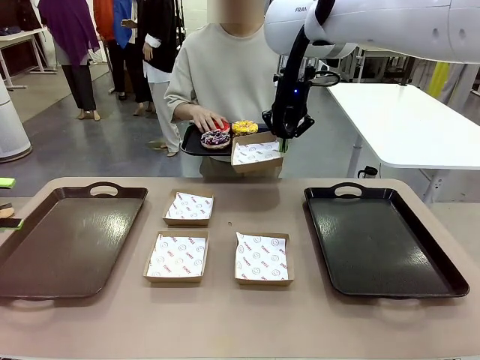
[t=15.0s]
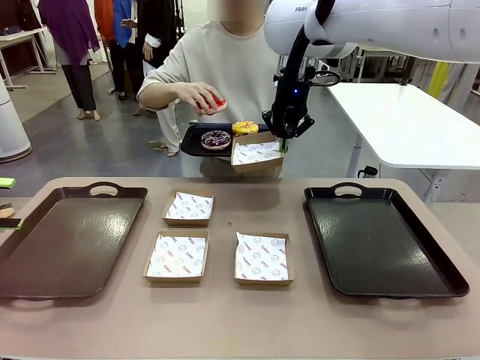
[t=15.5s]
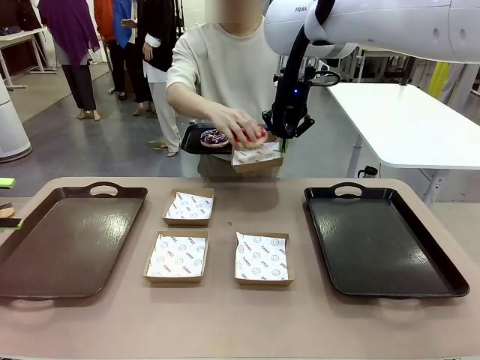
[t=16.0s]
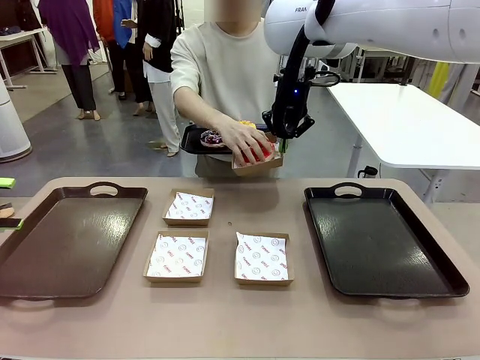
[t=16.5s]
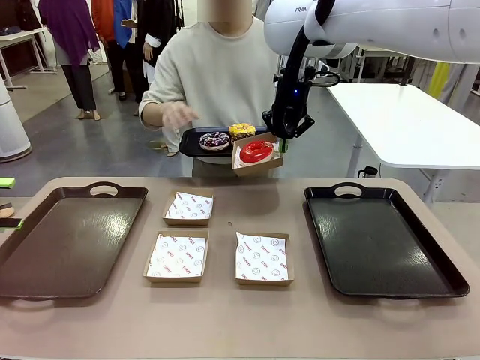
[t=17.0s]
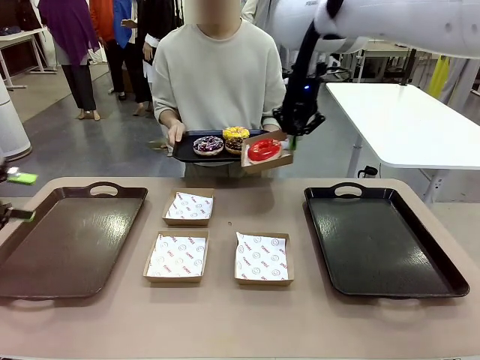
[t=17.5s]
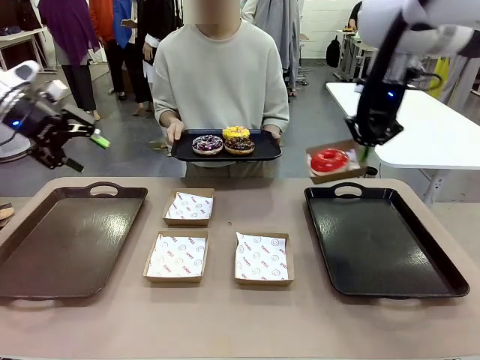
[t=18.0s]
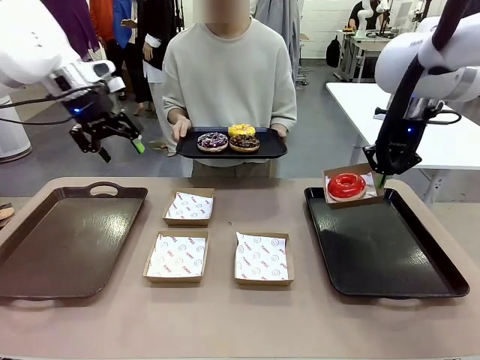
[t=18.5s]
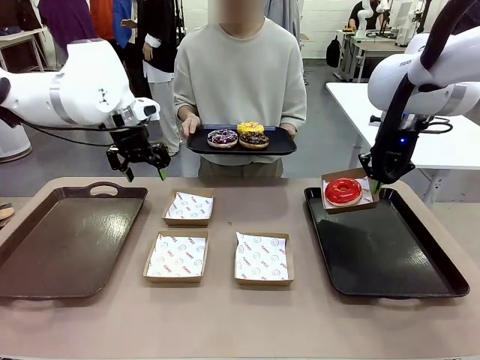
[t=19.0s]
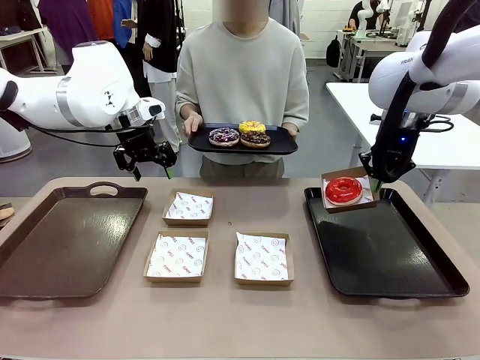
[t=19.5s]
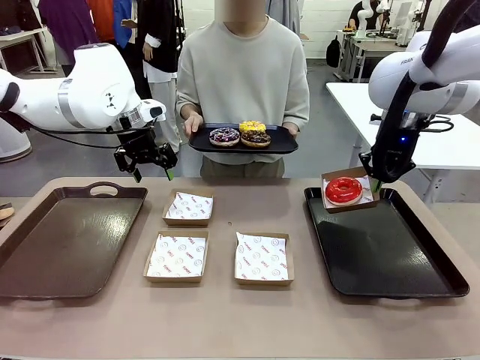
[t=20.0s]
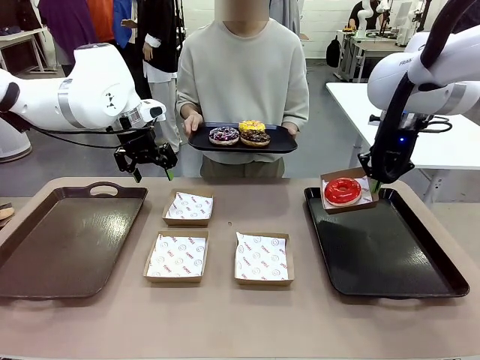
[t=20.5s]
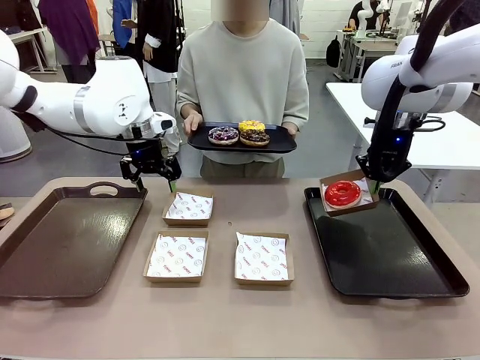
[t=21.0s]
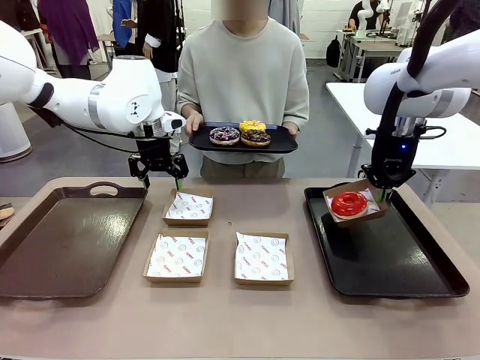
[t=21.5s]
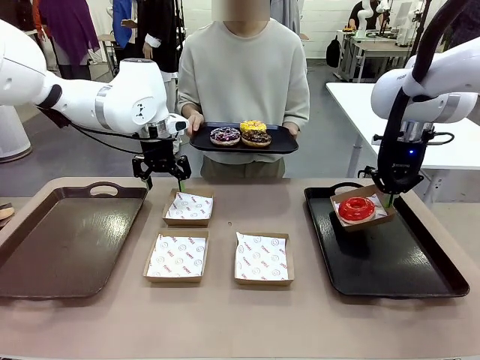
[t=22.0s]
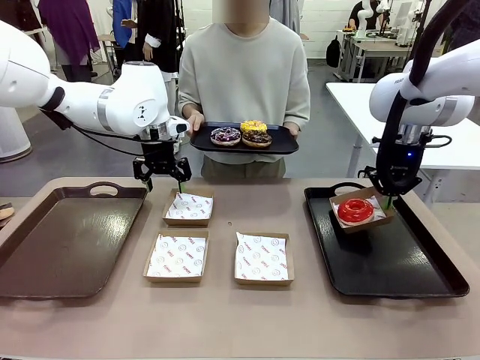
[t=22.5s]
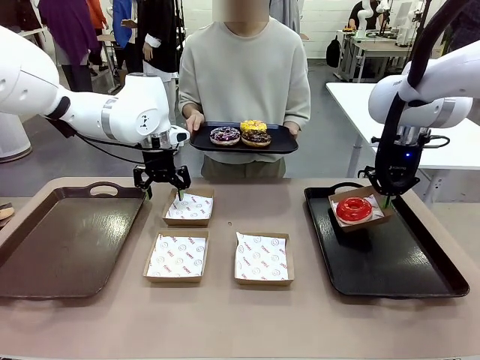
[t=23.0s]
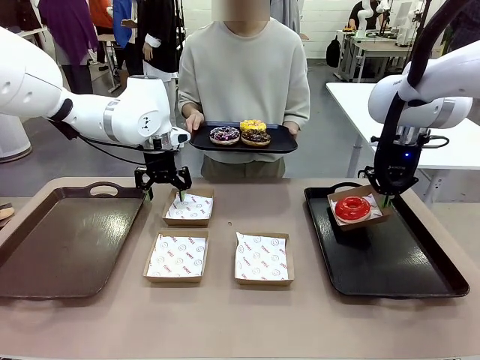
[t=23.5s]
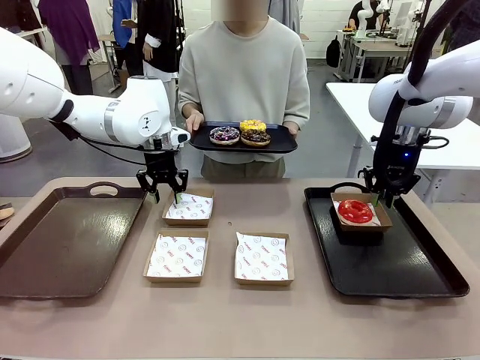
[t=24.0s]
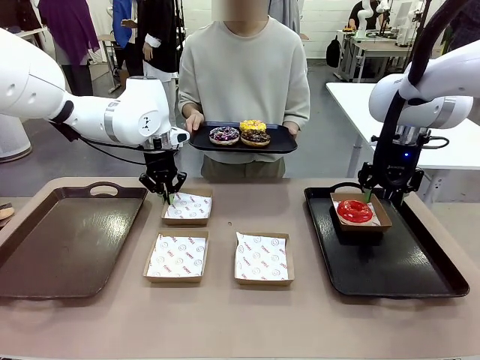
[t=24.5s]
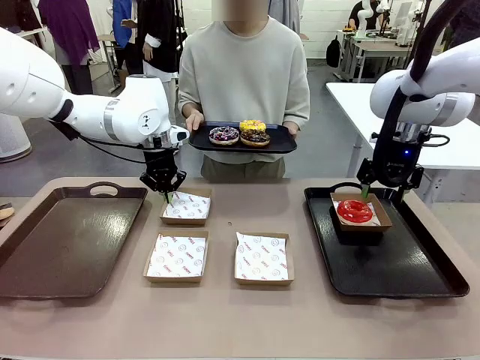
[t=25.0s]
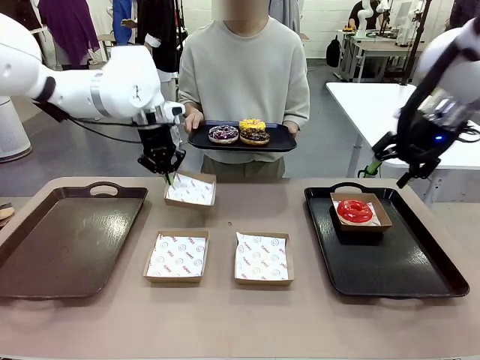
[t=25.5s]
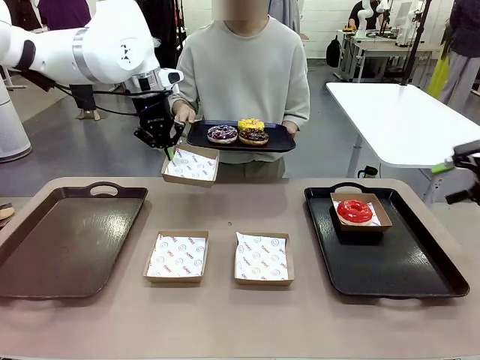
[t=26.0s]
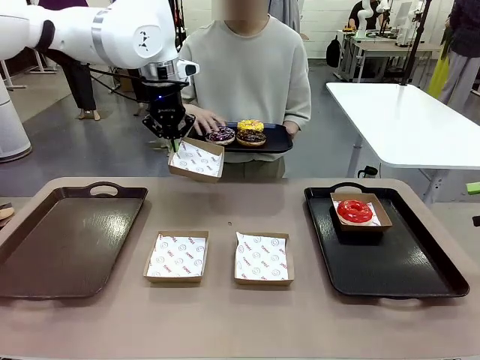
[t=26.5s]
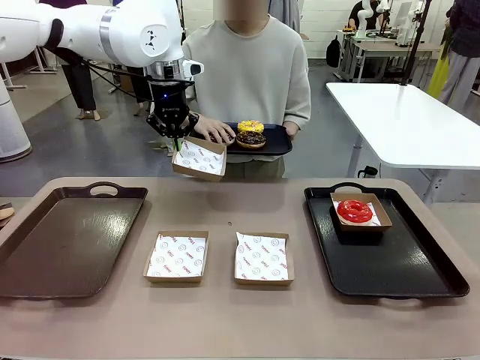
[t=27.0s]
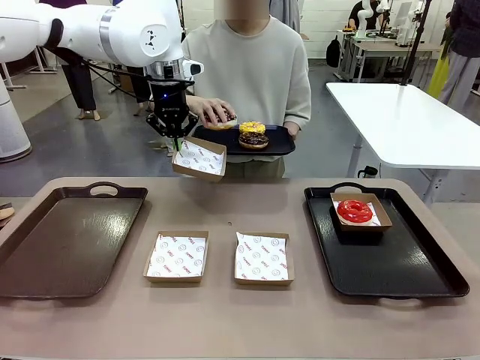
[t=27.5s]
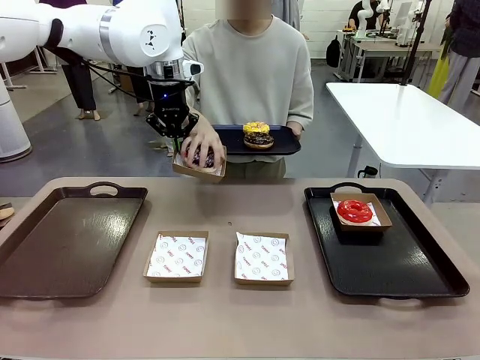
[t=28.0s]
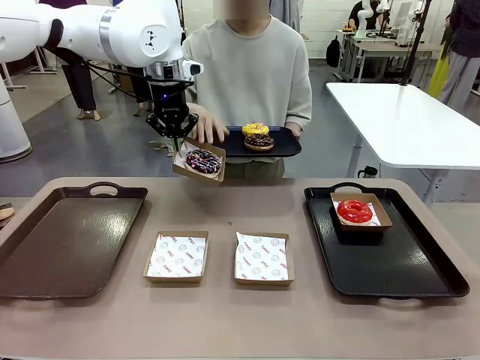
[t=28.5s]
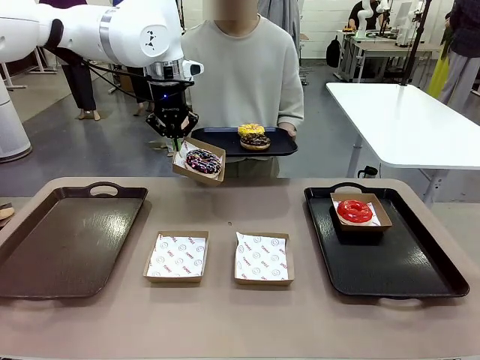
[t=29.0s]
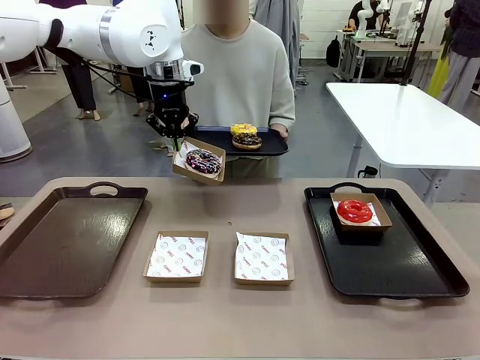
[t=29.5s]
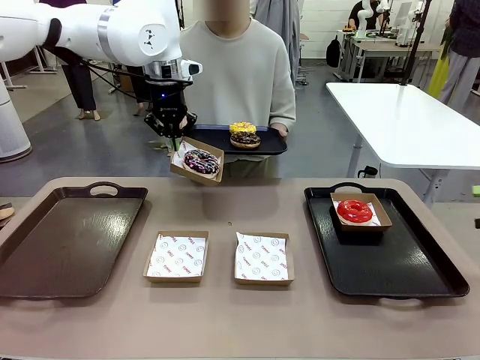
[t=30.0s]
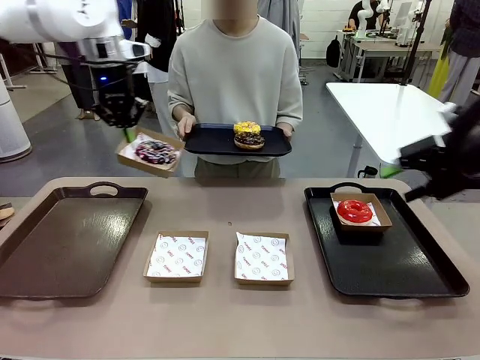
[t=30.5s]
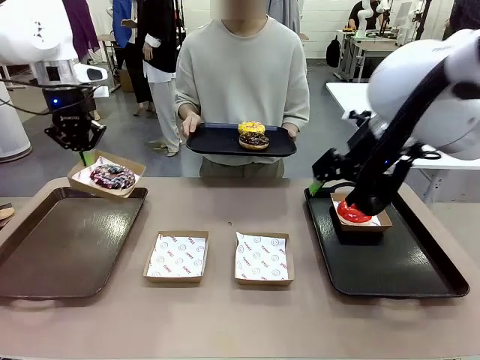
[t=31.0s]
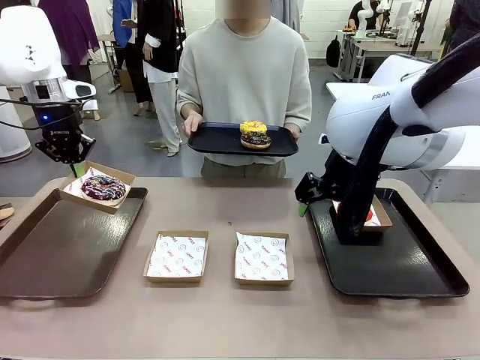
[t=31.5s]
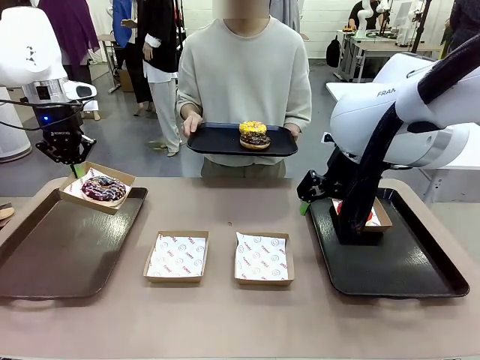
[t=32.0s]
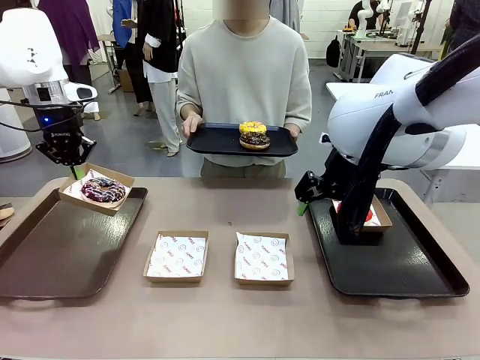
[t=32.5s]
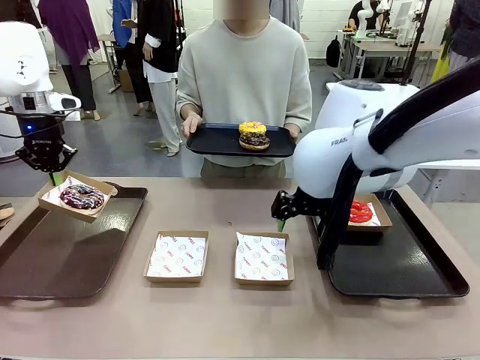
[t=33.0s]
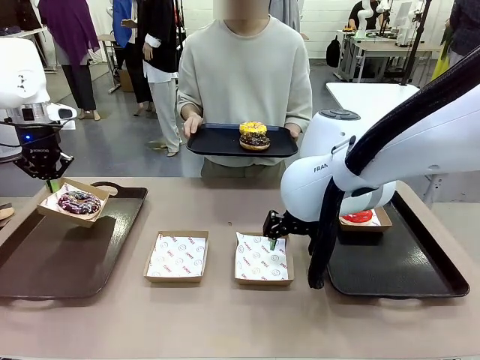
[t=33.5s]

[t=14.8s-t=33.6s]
Task: Individually package the donuts and arrange them on the tray.
Robot: Place the picked Paper togo box on the Handle tray while simultaneously picking up another Paper togo box from the table with the other hand.

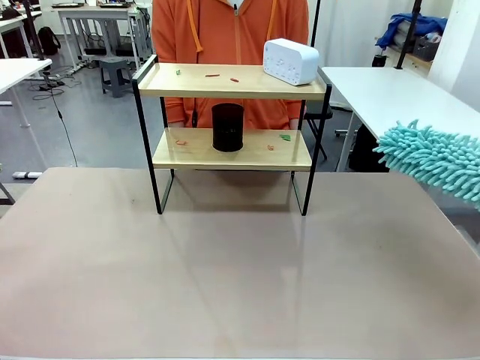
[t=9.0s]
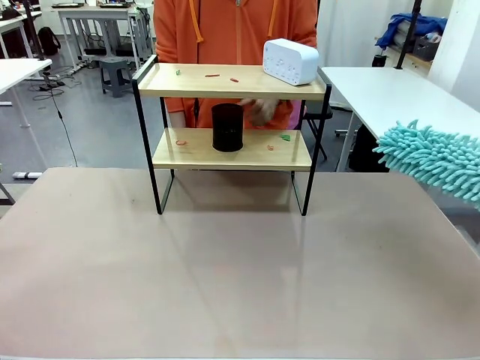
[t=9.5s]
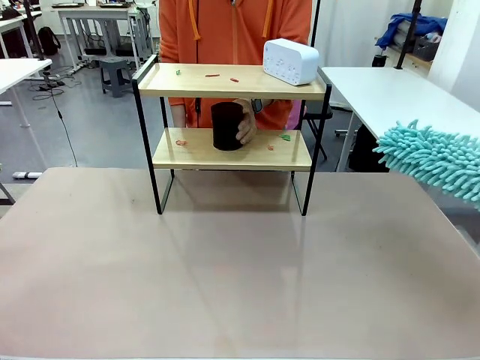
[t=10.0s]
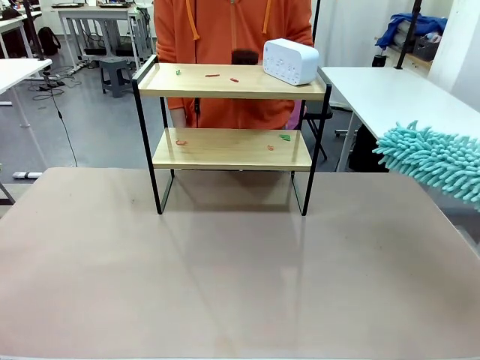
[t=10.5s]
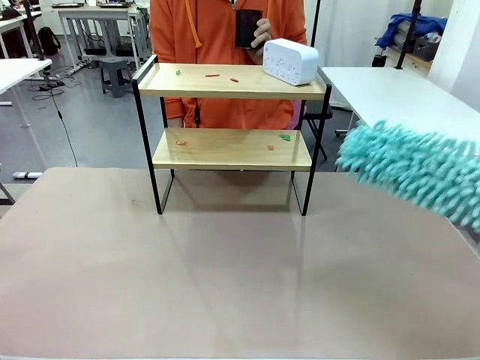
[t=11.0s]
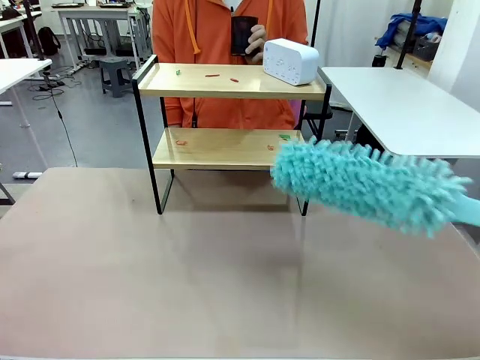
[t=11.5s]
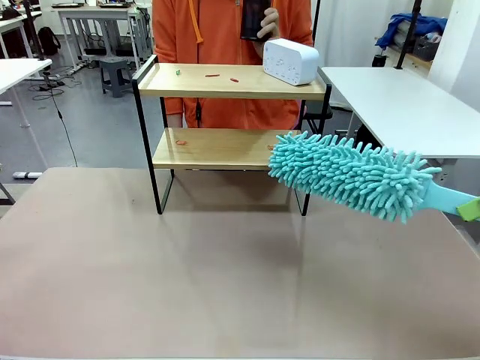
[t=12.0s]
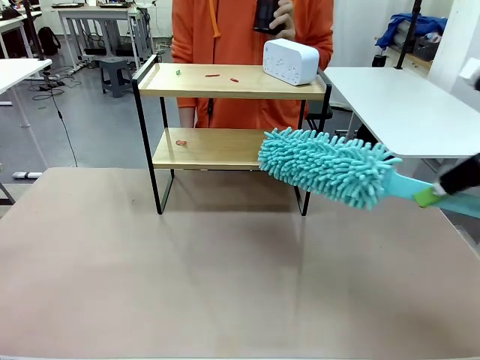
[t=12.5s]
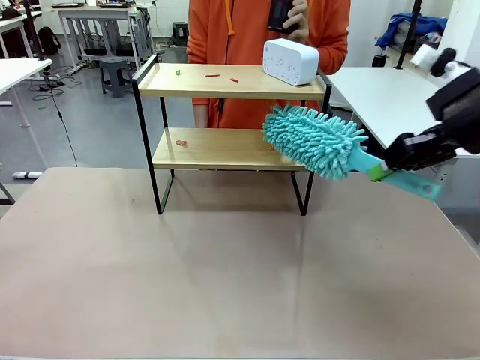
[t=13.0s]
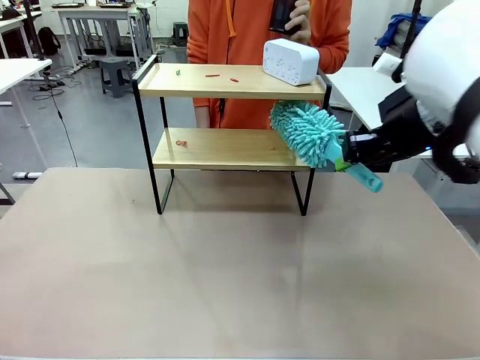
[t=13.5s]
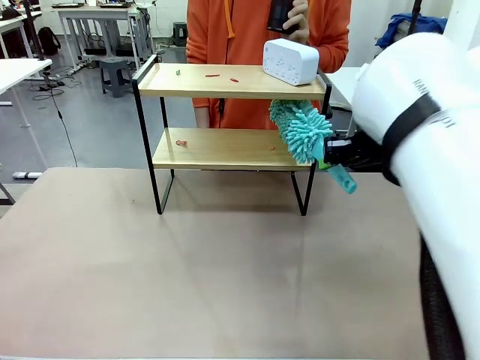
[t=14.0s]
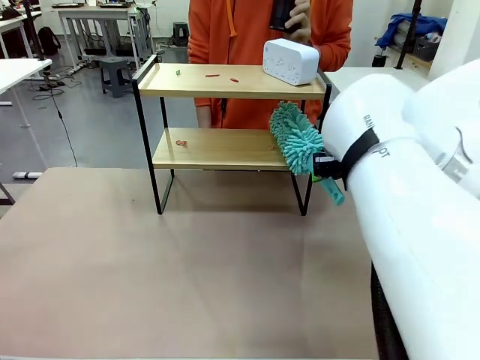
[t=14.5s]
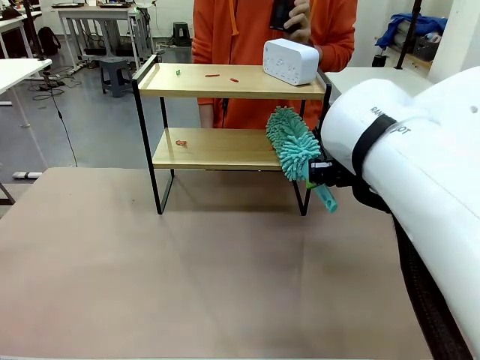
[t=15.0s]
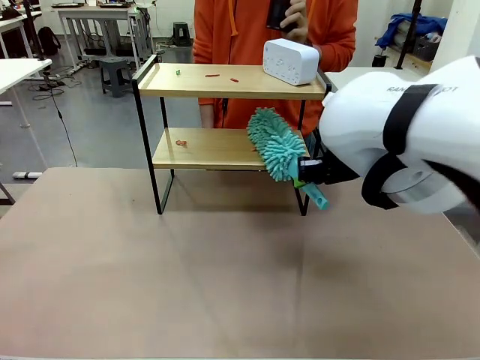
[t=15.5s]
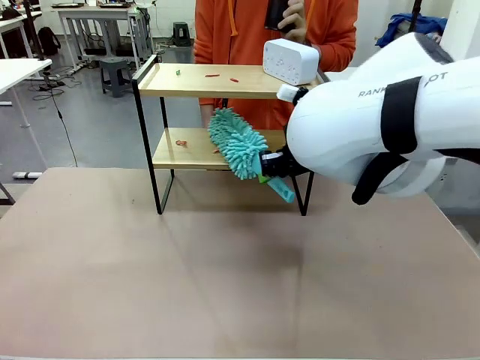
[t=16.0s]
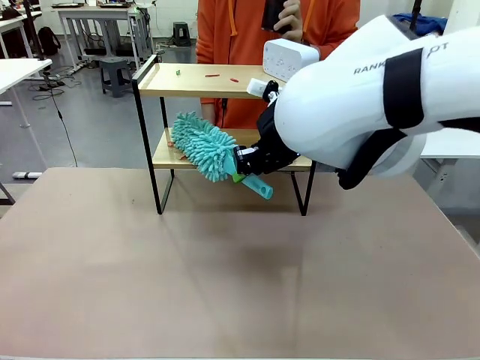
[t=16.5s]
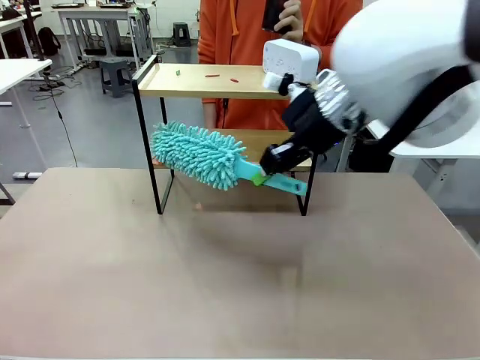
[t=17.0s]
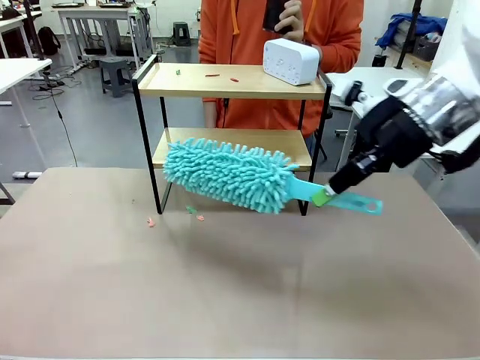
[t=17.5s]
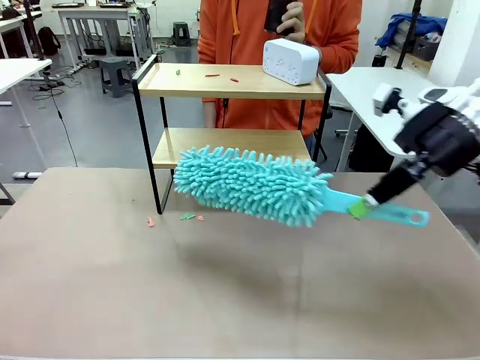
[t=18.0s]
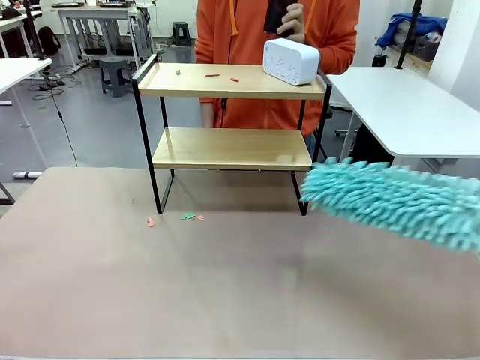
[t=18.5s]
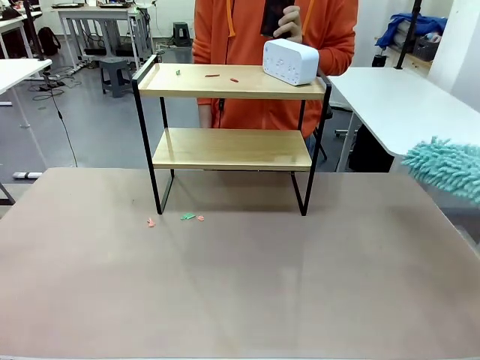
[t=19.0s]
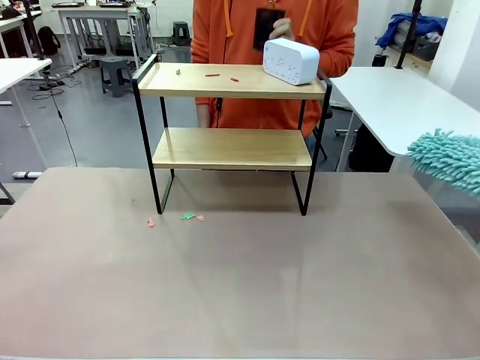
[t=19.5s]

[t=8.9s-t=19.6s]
Task: Clean the shelf.
Robot: Clean the specific tier of the Shelf with the Duster once objects are removed.
Person: Lift the objects on a randomly selected tier of the Shelf. Once the robot finishes cleaning, lift the objects on the remaining tiers of the Shelf.
